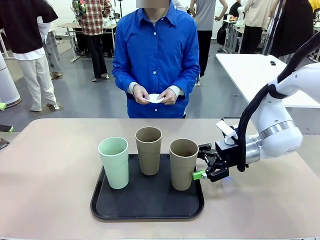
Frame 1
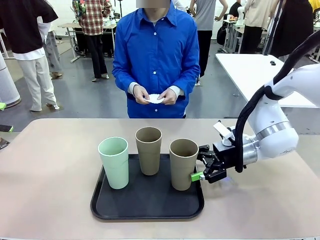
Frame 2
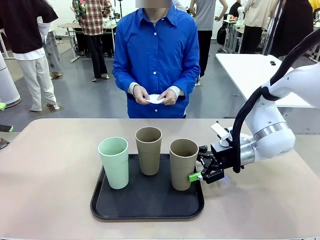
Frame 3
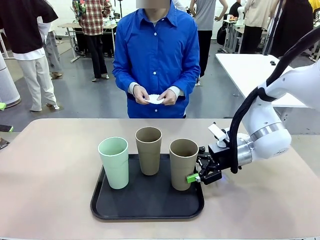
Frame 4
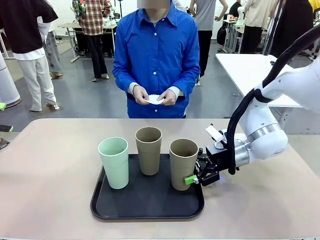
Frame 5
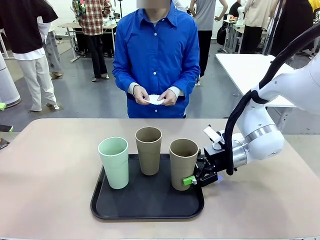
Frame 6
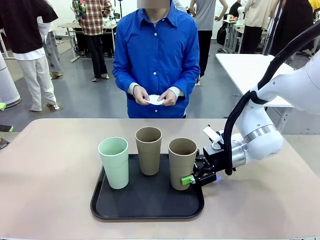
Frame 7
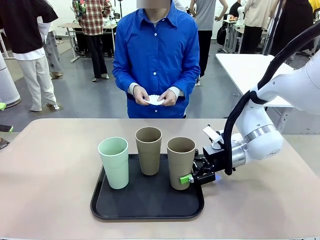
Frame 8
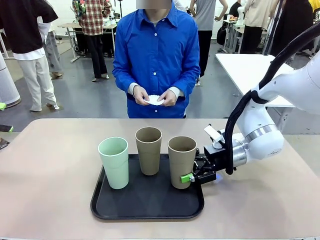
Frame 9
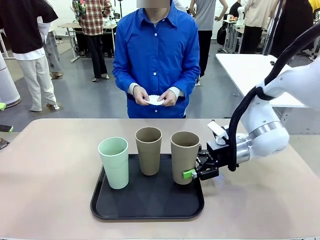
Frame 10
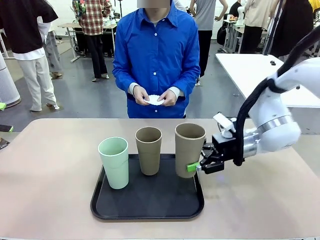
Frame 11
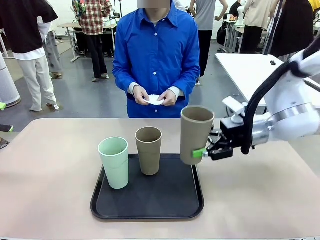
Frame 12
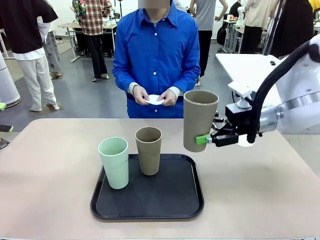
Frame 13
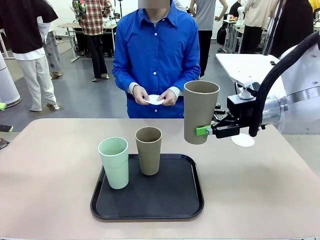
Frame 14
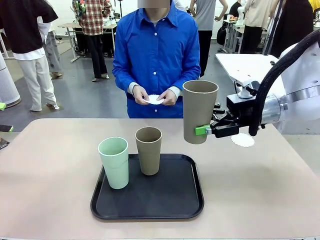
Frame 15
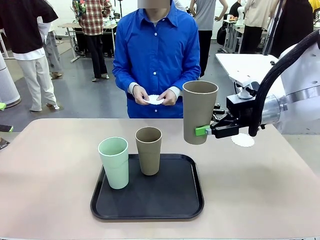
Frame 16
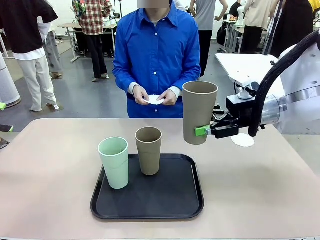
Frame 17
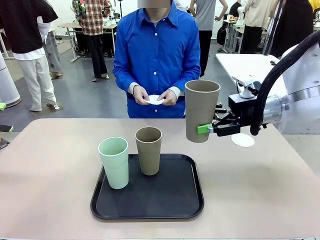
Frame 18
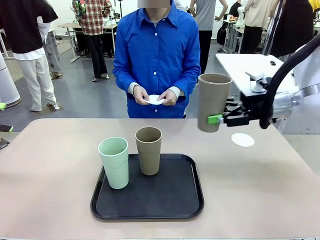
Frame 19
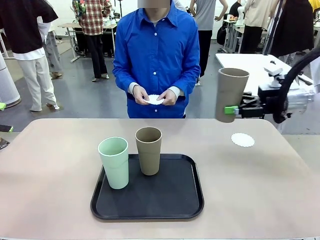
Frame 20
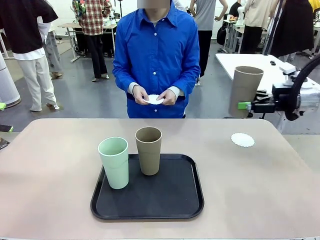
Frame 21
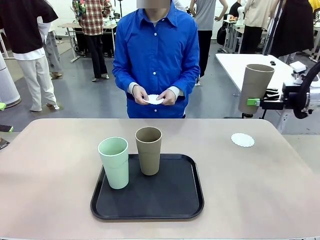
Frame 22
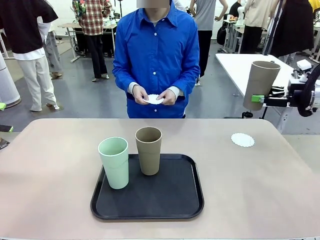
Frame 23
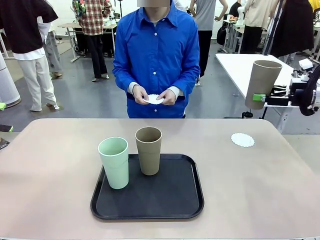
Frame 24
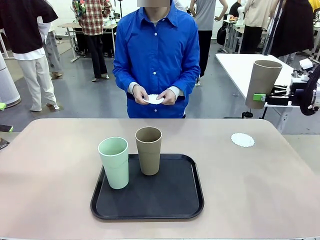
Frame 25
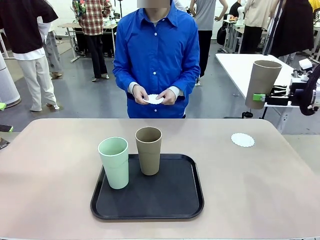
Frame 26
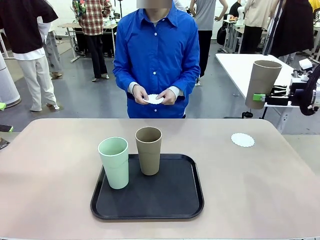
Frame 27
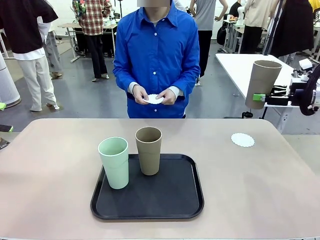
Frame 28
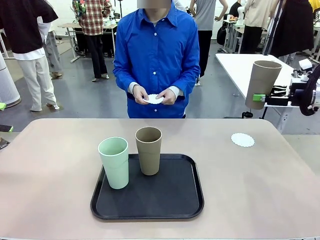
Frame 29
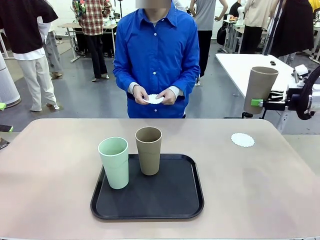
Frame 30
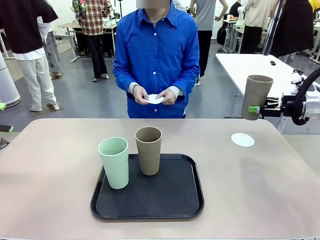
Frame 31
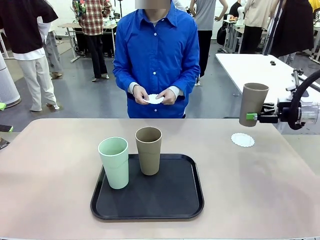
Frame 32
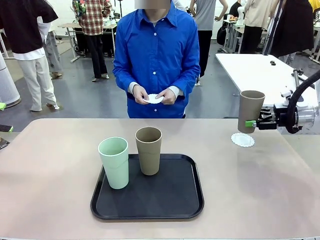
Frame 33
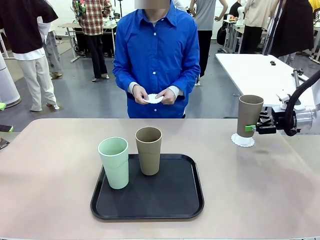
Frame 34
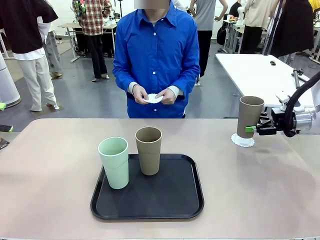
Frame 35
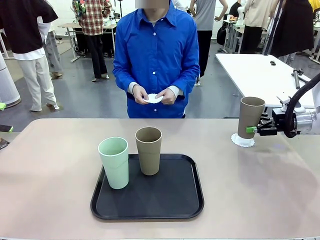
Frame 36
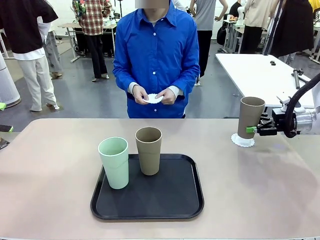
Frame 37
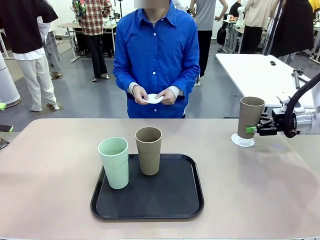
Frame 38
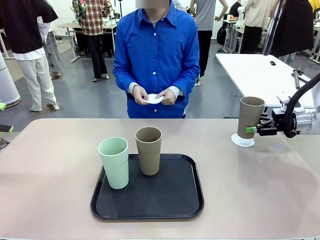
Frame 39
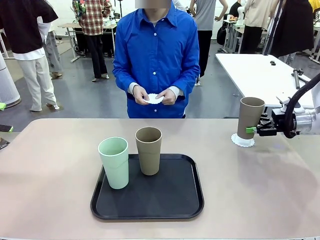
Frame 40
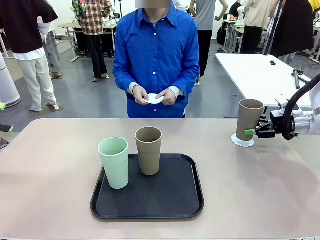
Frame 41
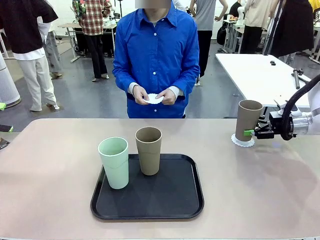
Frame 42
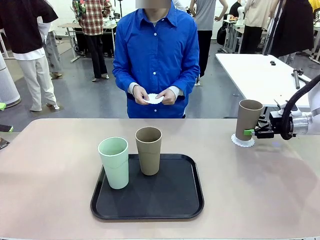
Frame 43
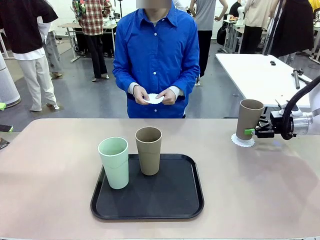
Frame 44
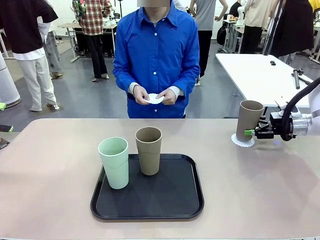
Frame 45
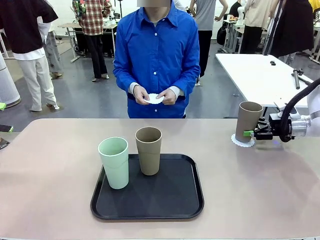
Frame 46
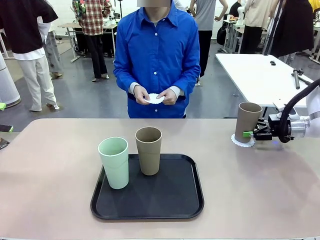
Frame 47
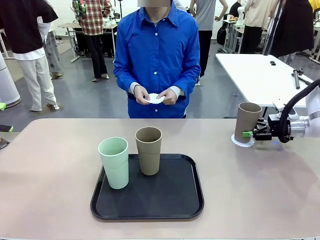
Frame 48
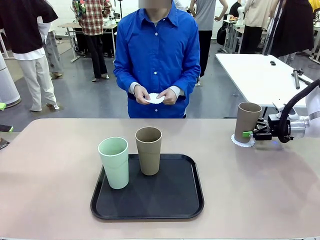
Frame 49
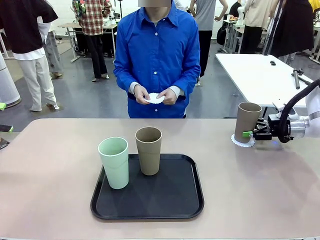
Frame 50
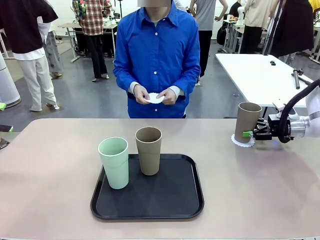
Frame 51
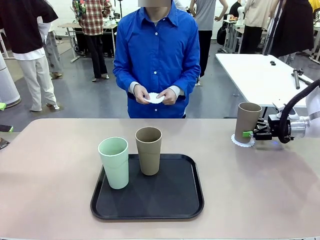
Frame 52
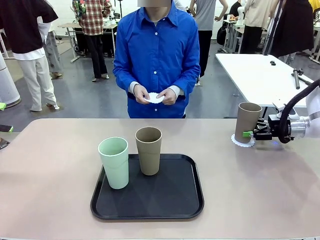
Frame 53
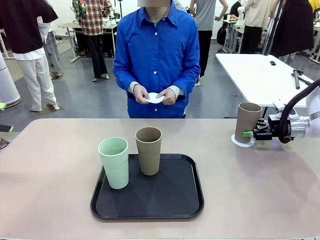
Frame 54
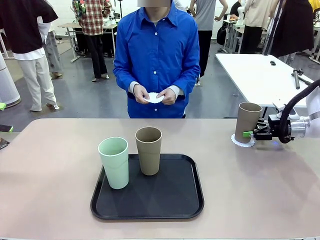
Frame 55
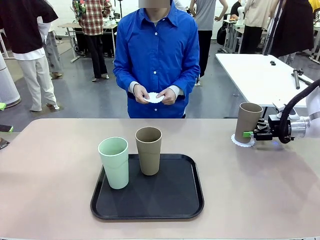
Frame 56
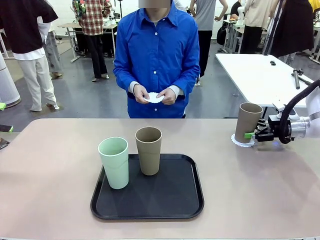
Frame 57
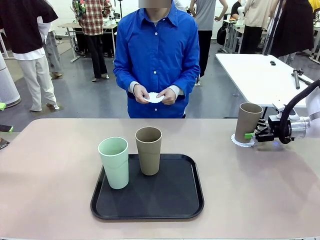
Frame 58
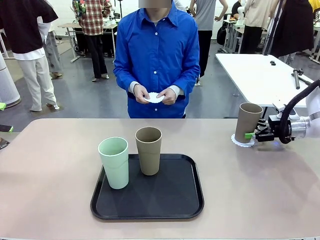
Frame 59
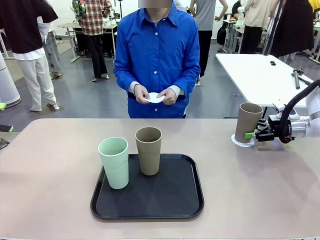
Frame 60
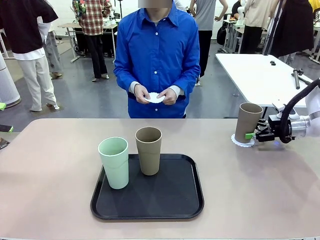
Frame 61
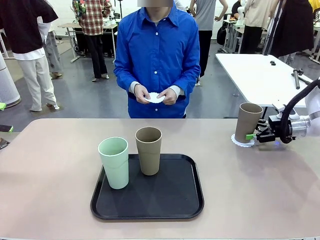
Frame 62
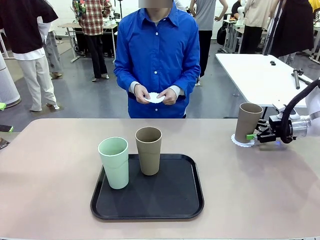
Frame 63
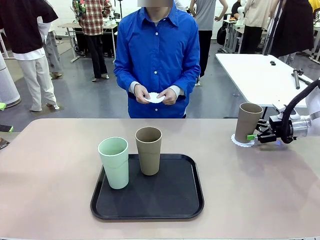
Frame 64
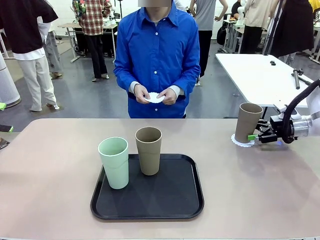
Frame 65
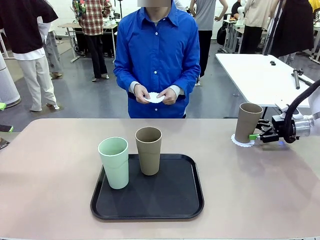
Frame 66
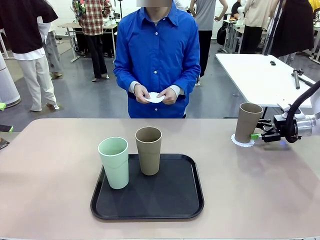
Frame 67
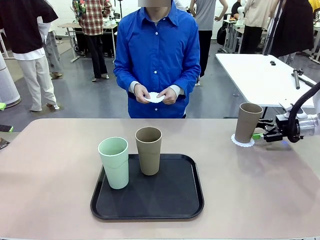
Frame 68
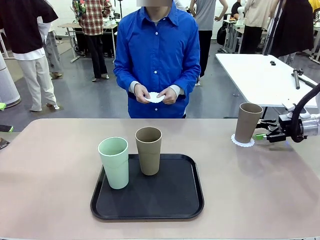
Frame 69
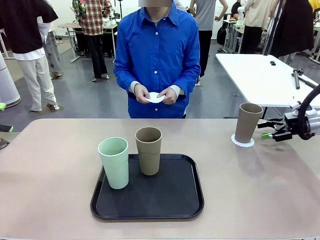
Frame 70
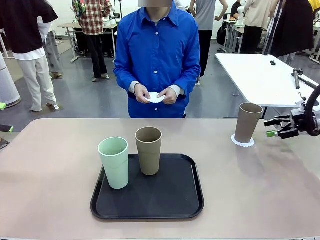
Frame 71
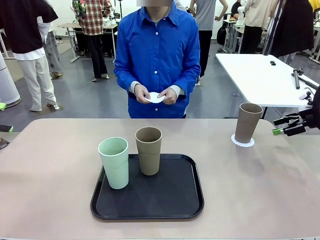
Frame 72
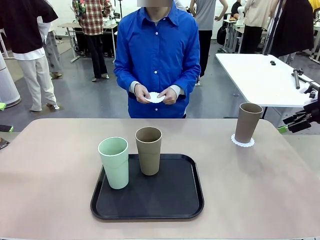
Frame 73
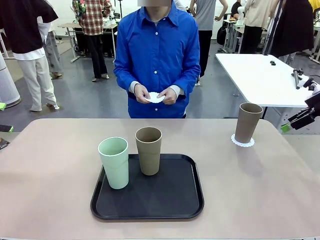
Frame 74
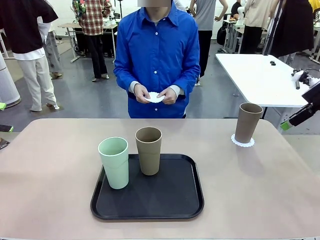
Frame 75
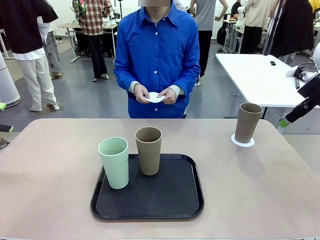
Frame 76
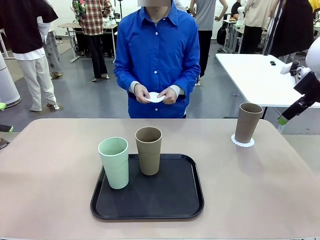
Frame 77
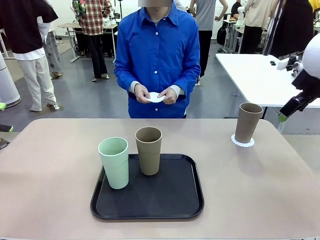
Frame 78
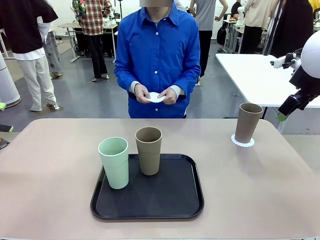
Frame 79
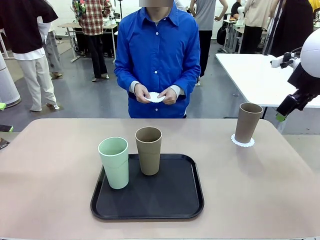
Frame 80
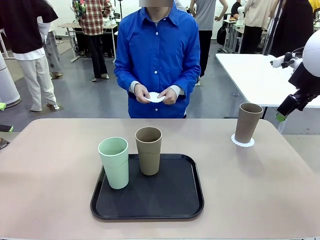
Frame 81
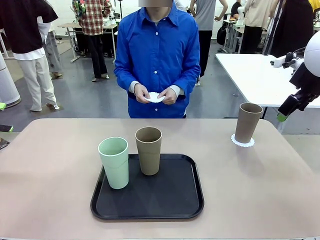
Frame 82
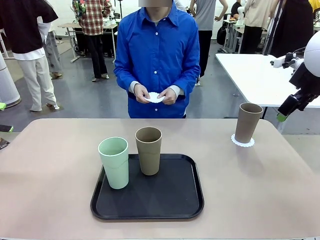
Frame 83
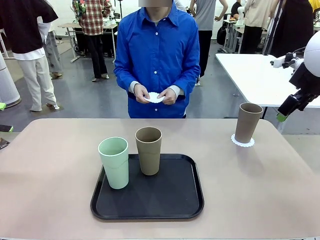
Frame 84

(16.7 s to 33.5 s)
Task: Place coasters on the table and set cups on them.
Robot: Pick up one Reusable plastic cup and place it on a coaster set by the human.
Person: Place one coaster in one of the two areas excluding the previously selected area.
